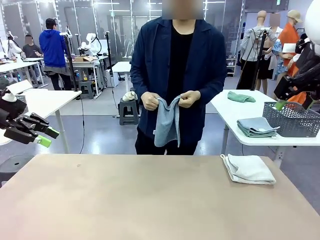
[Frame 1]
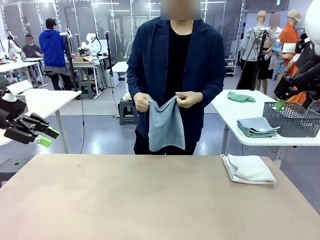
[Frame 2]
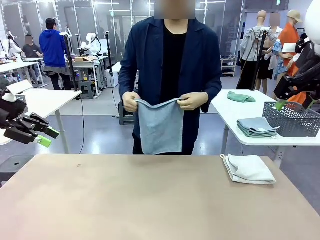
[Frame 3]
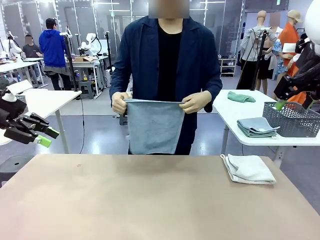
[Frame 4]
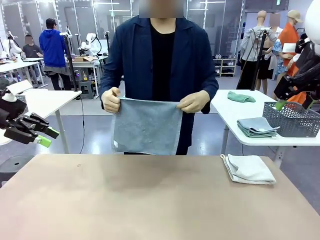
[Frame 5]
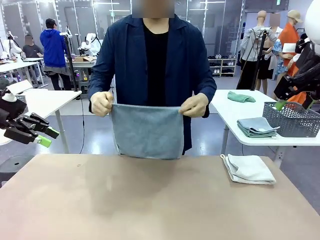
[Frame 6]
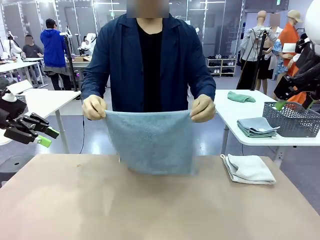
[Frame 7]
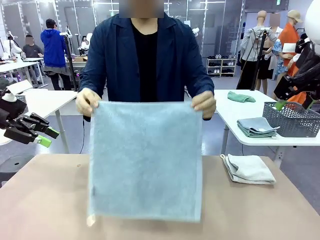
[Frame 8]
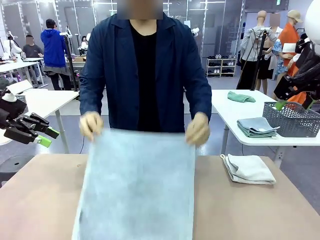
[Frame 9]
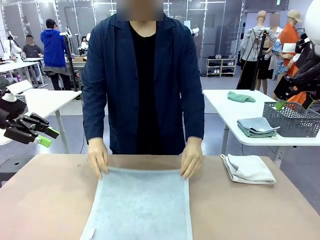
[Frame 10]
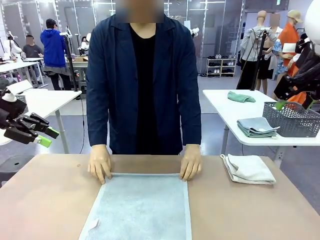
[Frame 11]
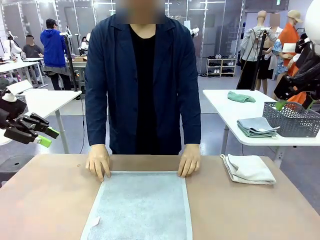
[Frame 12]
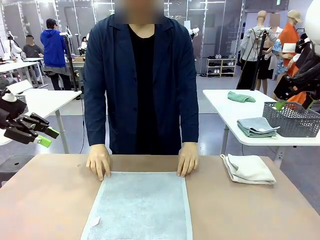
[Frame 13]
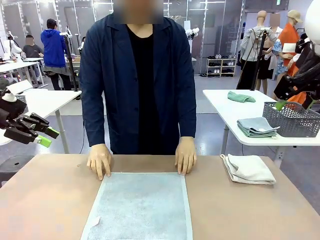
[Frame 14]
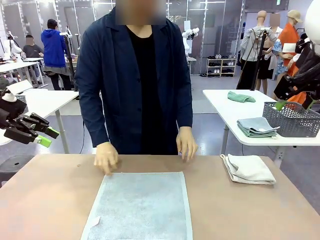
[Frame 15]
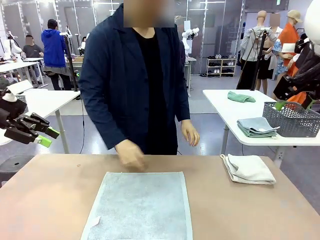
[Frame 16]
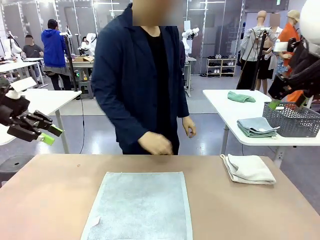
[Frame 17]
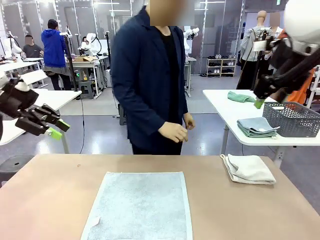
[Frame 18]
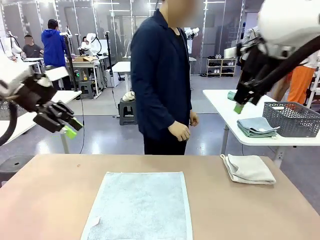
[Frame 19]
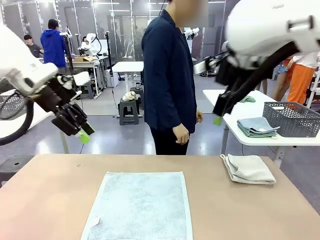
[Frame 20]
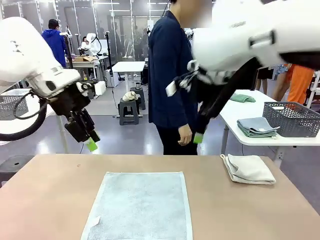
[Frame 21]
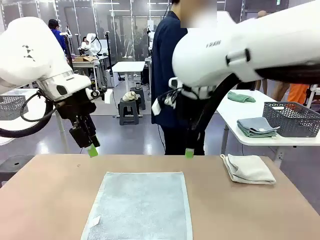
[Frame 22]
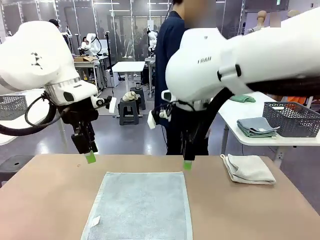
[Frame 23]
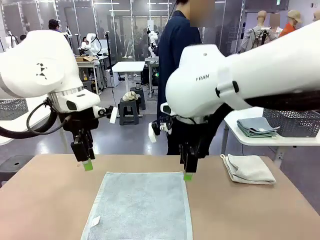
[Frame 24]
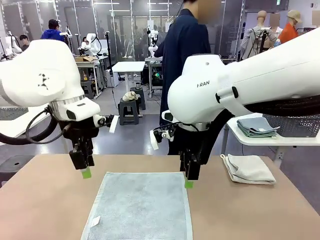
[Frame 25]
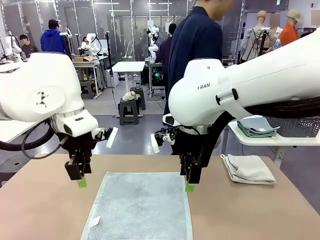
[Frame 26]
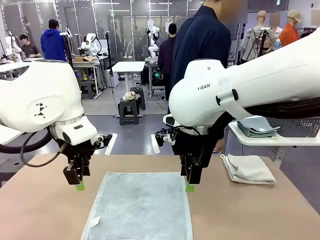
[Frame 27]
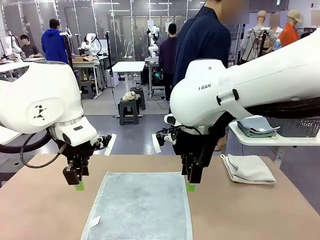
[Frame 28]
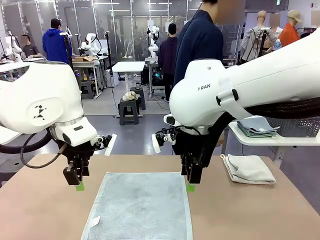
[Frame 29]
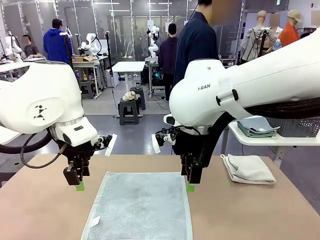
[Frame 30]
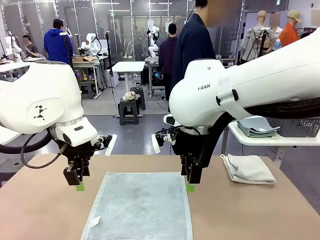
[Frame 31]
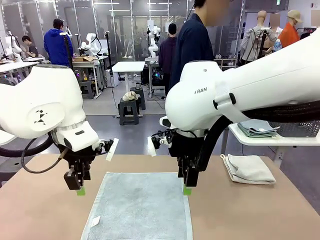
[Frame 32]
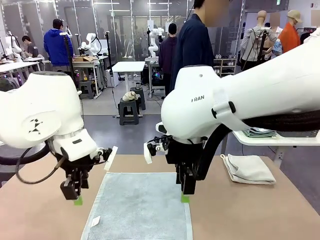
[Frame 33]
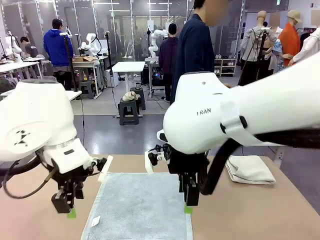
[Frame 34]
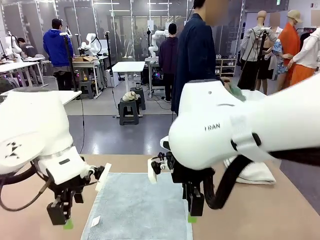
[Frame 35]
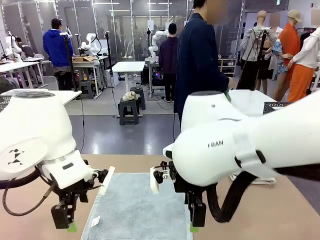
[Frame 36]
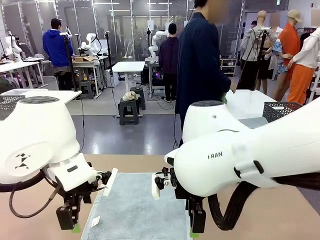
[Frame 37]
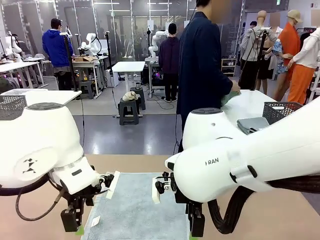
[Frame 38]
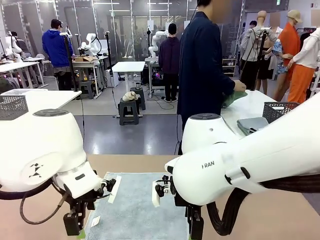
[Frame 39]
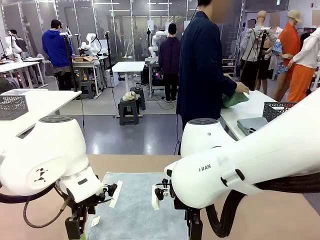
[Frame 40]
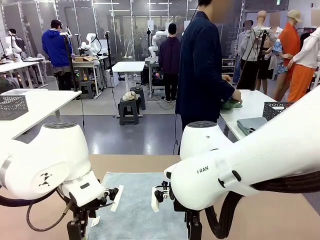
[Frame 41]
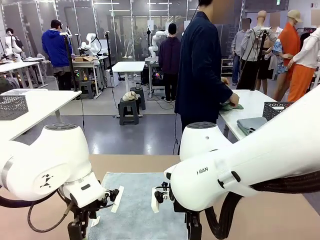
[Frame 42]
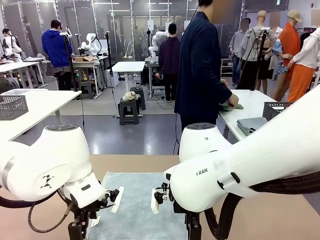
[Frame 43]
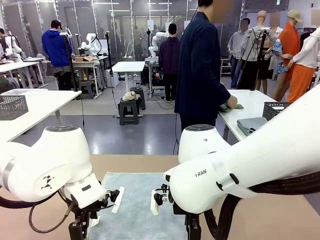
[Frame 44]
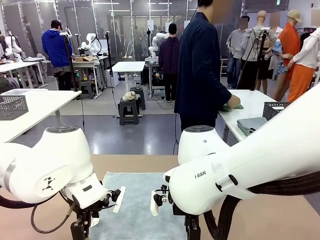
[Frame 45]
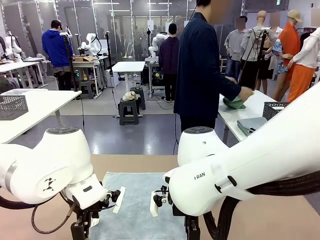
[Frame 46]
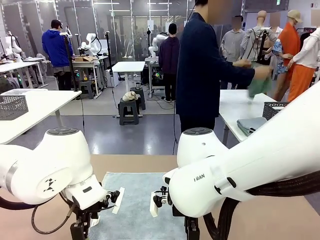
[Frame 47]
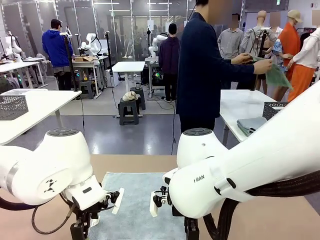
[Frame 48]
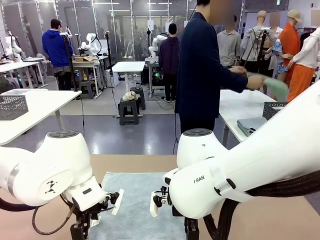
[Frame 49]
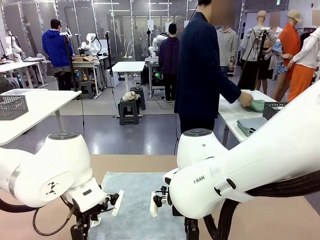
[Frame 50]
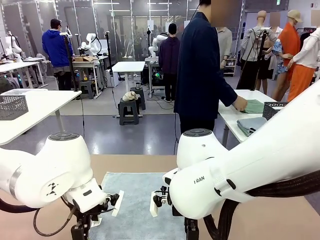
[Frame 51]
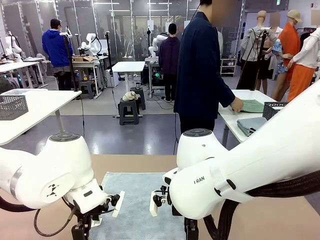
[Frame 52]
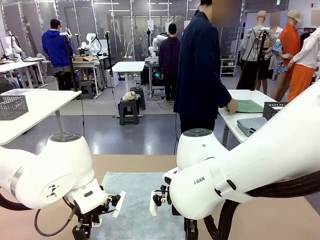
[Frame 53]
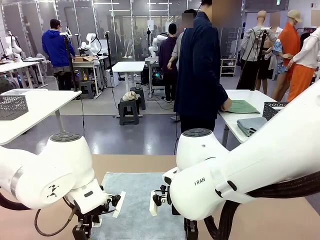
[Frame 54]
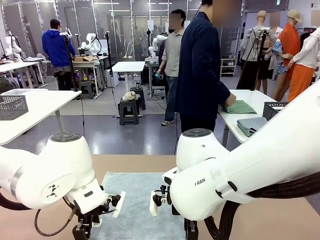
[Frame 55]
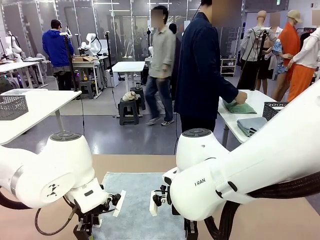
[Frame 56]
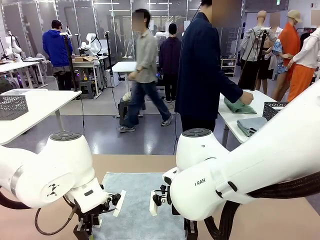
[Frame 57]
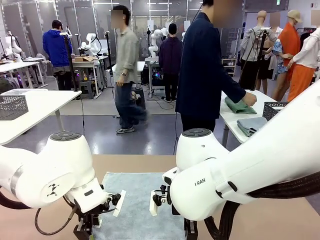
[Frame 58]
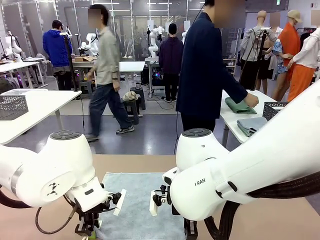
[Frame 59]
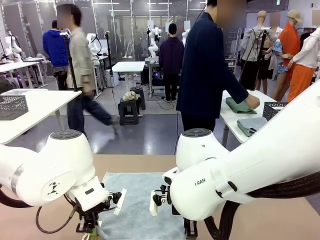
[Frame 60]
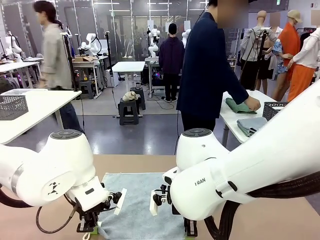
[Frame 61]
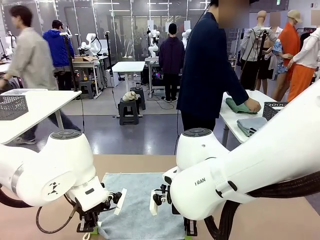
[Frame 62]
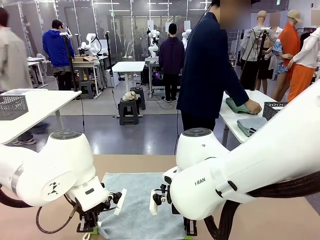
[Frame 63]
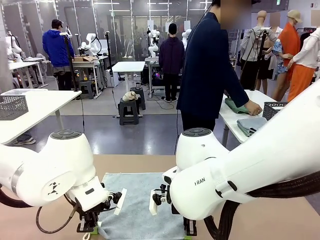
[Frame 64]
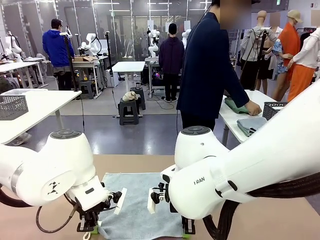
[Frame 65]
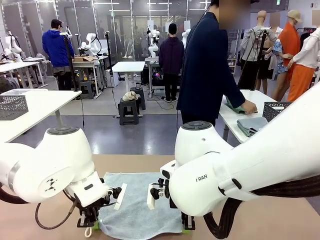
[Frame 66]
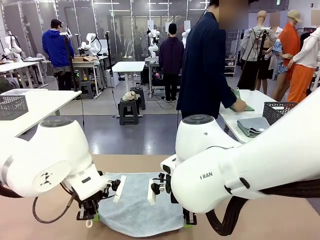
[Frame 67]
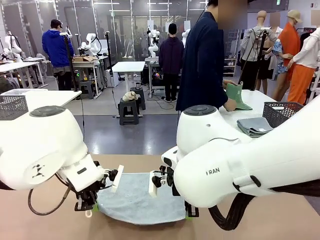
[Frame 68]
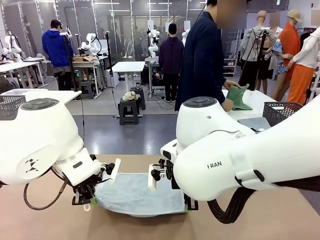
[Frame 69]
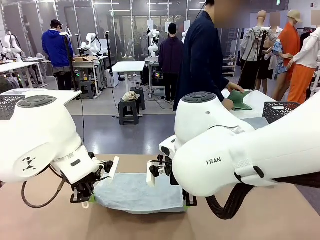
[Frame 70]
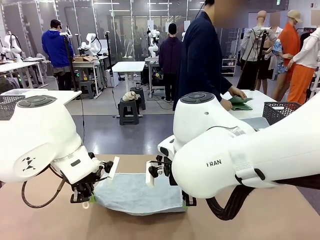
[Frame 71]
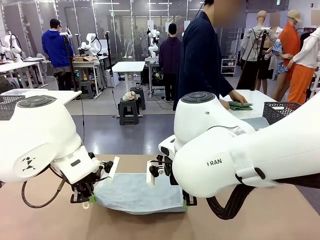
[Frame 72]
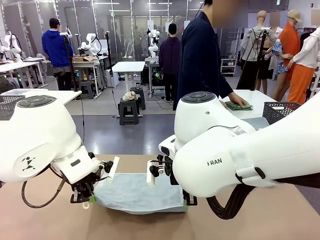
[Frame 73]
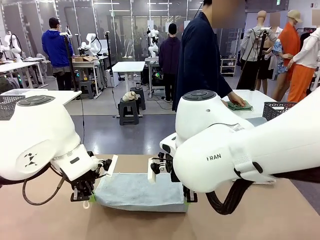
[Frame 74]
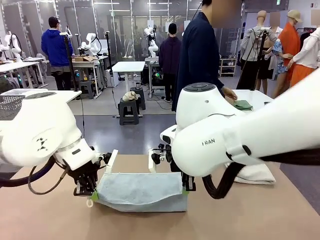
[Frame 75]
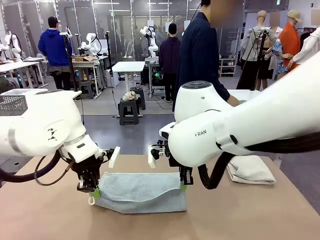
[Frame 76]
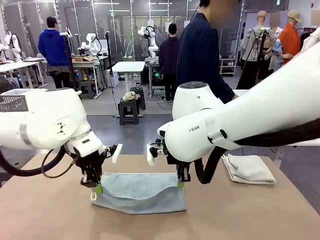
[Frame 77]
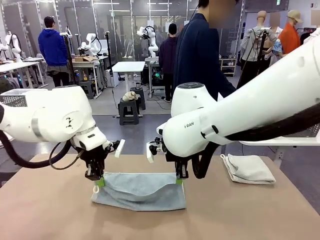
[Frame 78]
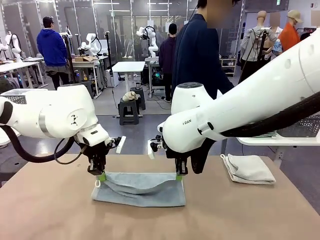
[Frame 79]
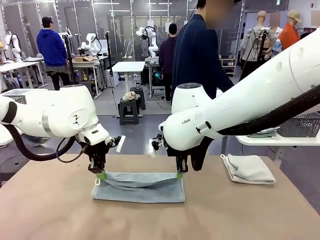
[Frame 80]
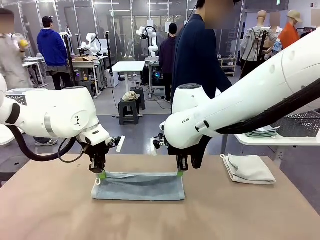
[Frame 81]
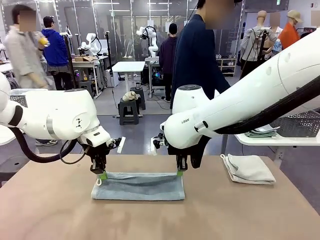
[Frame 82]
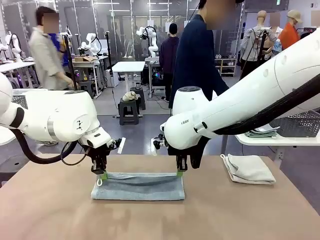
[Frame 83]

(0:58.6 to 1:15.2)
Task: Fold the towels and place them in the basket.
Robot: When a person lays out a Towel with hook on the table, fold it in half twice.
Person: Pick up one towel from the left side of the human table, fold it in half twice, and stack it on the right side of the table.
